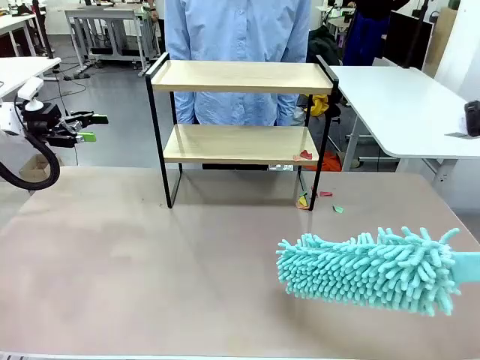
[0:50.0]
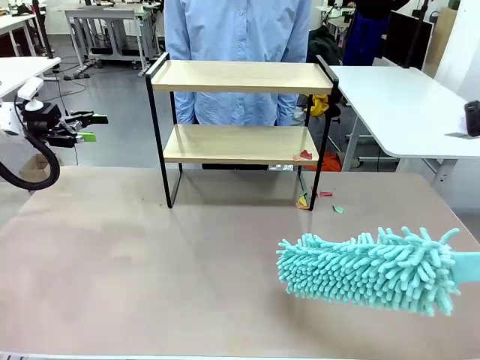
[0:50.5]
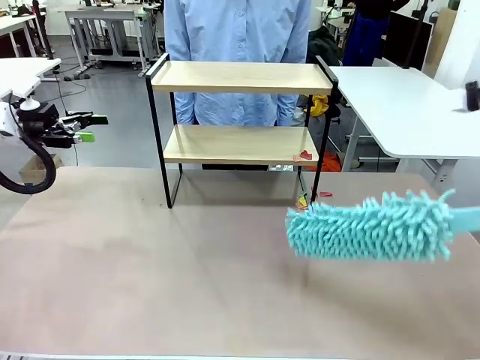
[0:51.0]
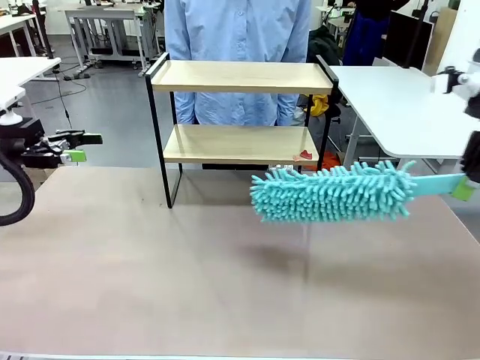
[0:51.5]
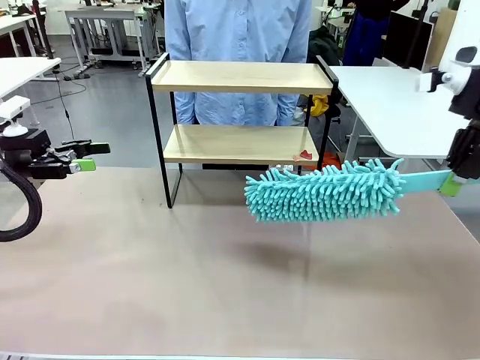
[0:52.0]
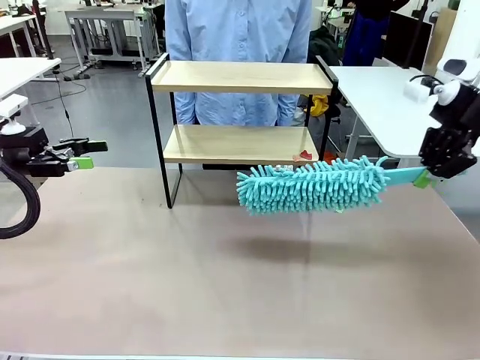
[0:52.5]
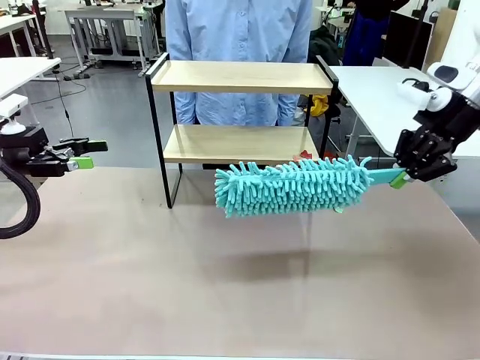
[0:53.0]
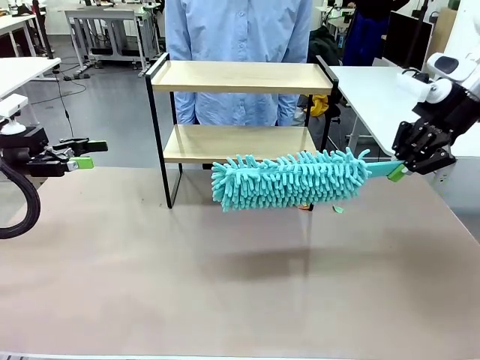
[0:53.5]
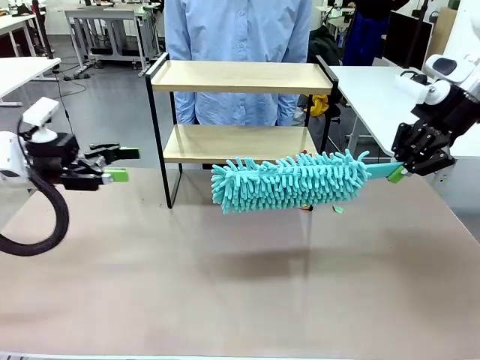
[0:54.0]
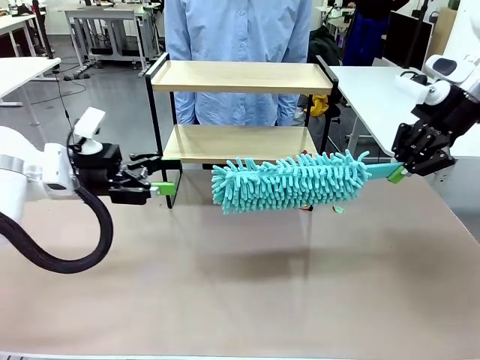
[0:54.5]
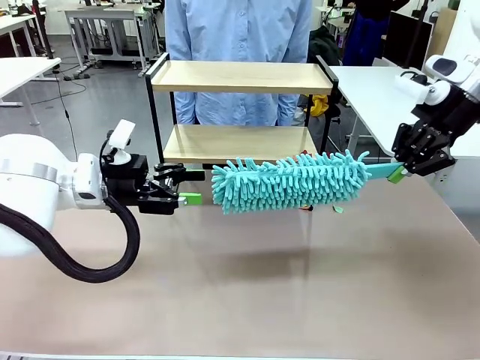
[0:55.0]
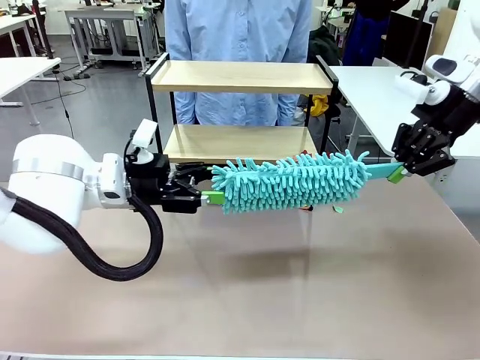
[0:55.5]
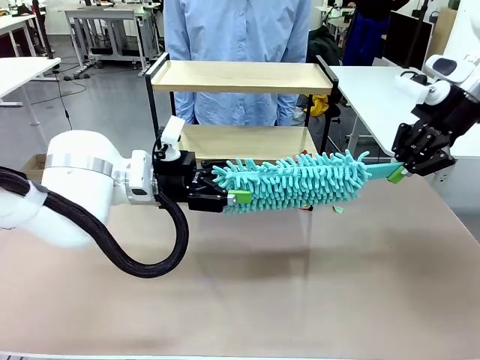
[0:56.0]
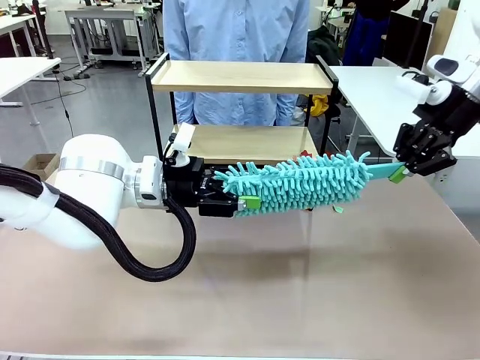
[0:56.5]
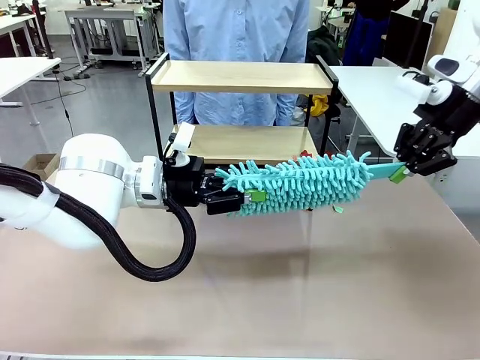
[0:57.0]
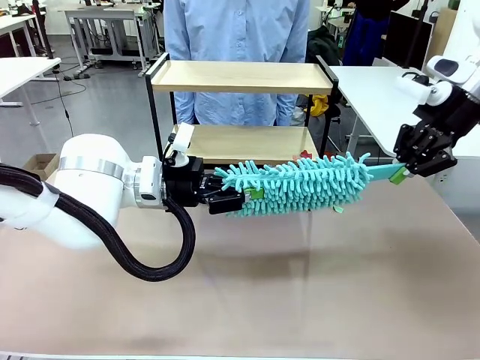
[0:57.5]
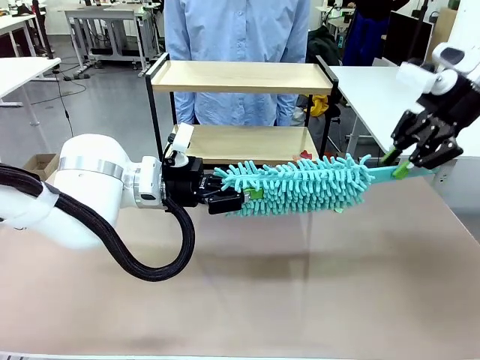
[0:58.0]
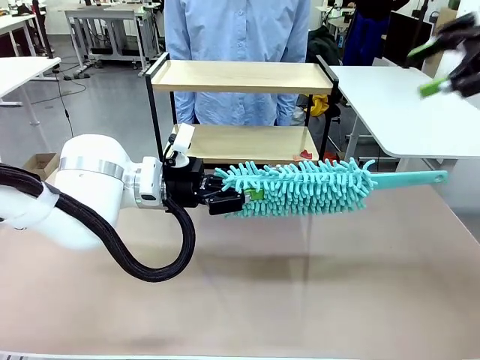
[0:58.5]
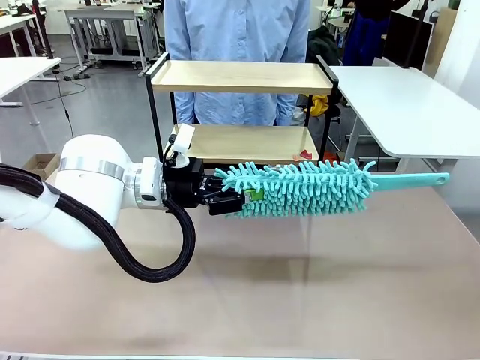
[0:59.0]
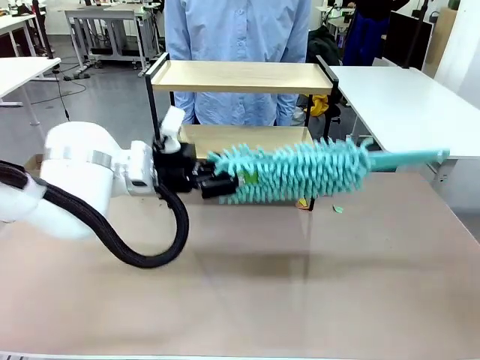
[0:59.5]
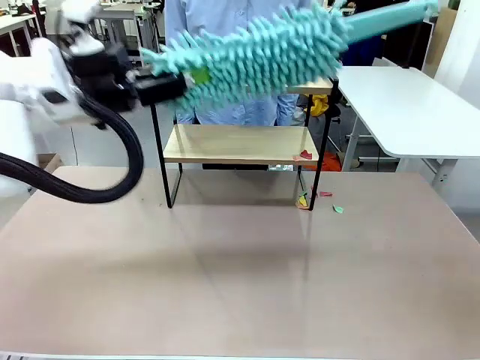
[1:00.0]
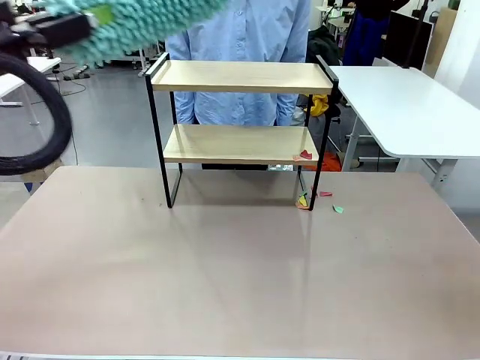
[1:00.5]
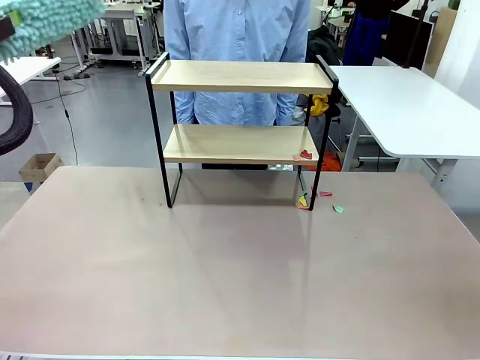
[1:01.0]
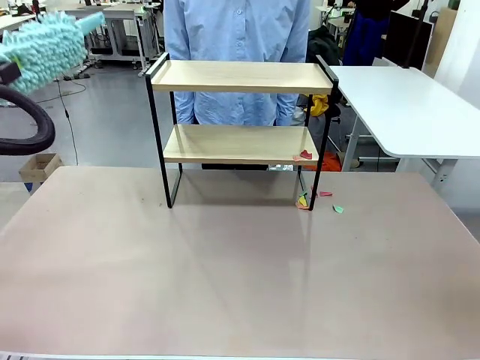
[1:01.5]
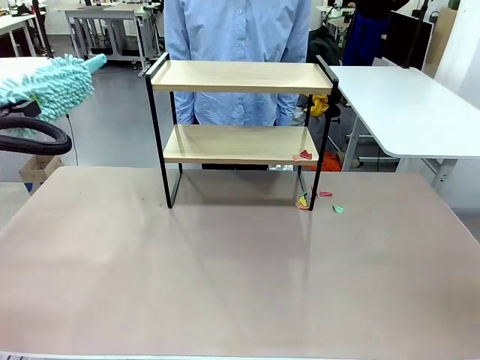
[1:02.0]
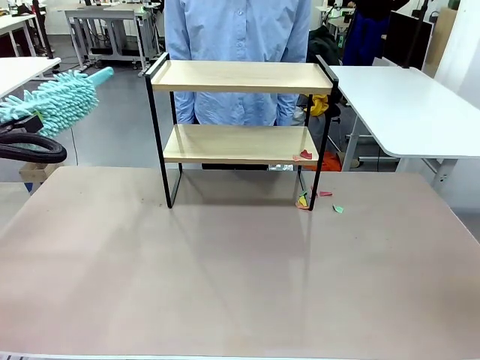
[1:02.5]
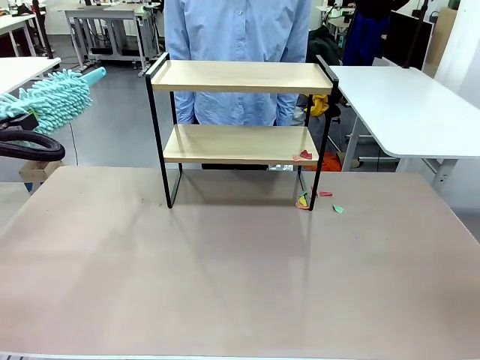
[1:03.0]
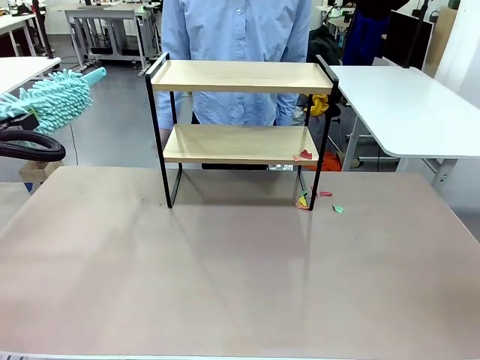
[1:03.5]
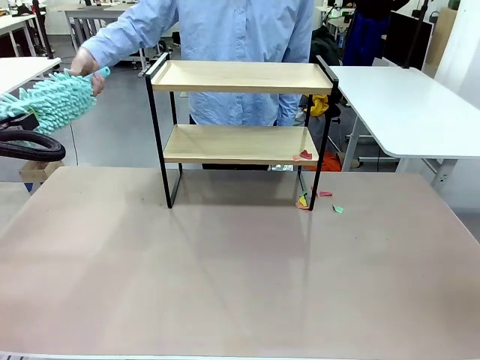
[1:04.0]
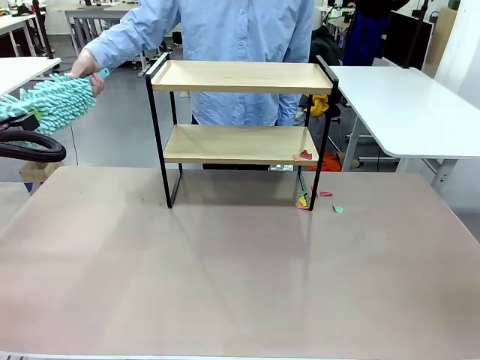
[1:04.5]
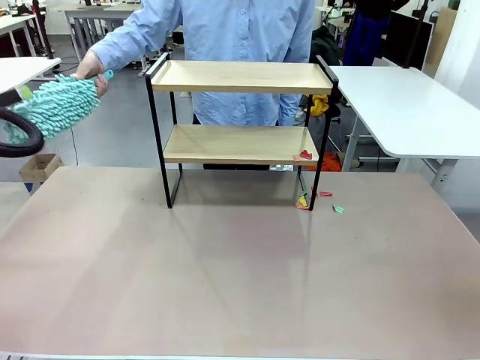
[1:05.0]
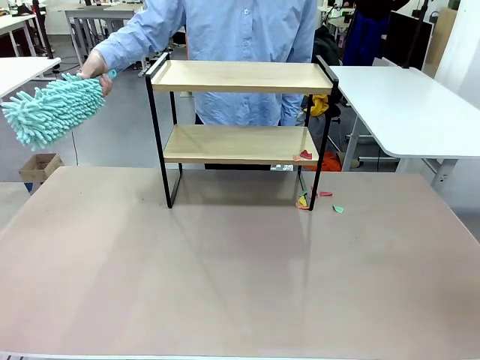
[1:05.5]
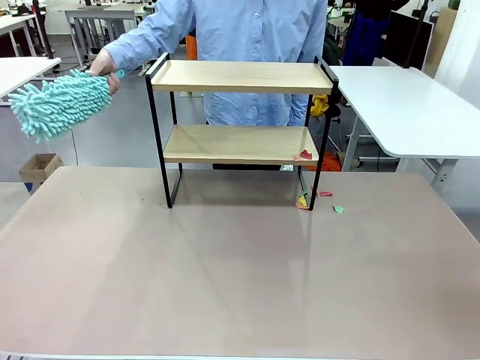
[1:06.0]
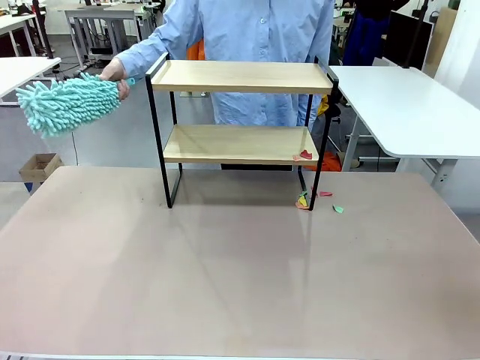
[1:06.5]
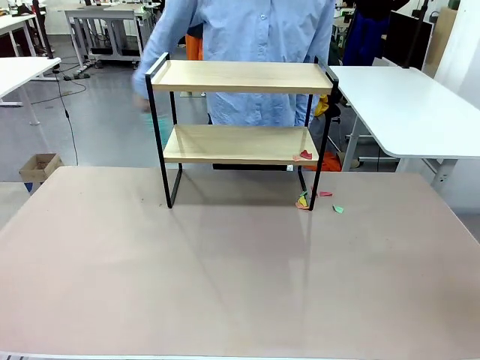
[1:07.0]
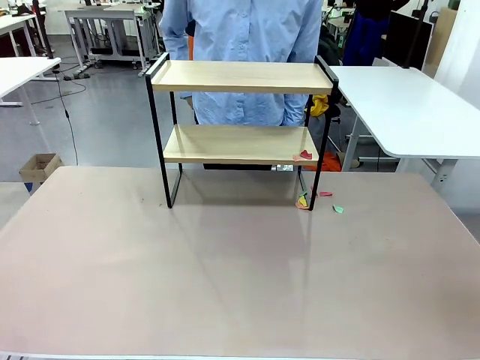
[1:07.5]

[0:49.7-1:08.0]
Task: Clean the shelf.
Robot: Hand the Duster back to the human.
Person: Receive the Duster from the robot.

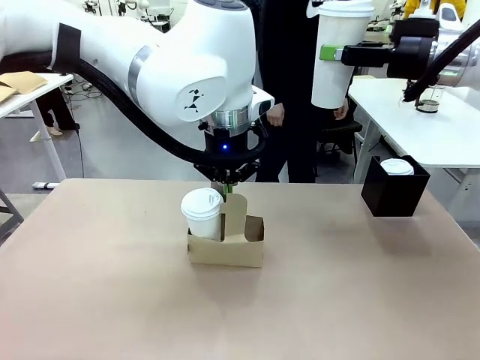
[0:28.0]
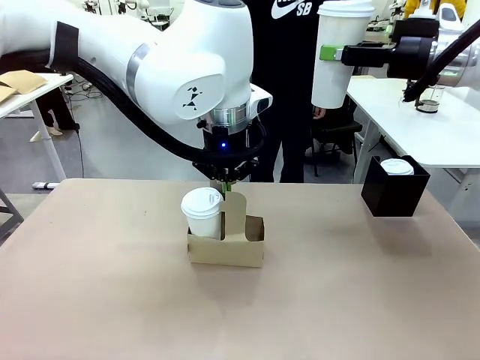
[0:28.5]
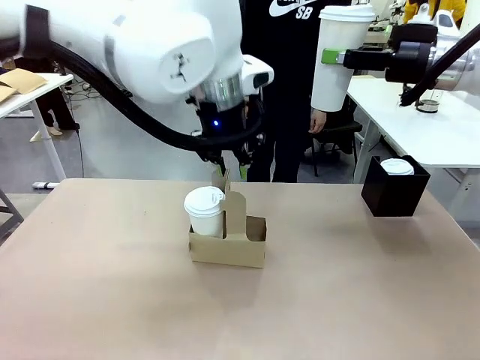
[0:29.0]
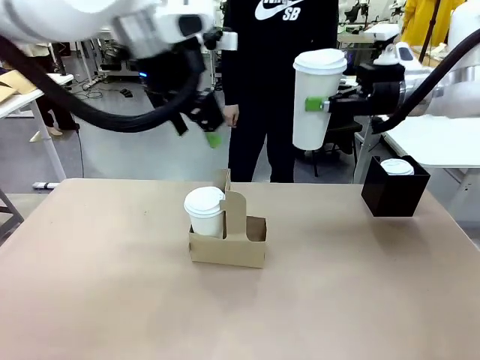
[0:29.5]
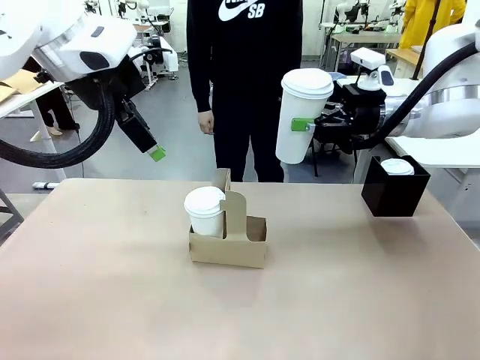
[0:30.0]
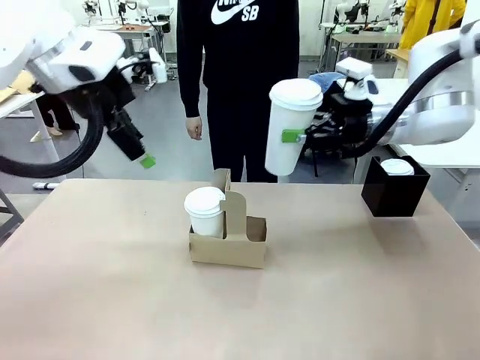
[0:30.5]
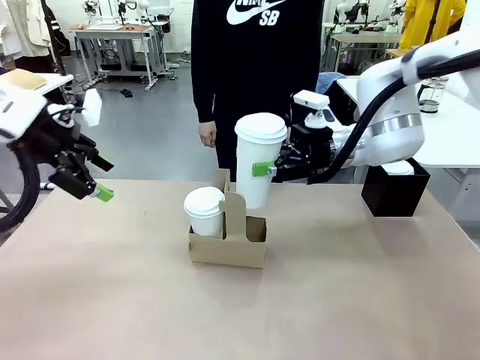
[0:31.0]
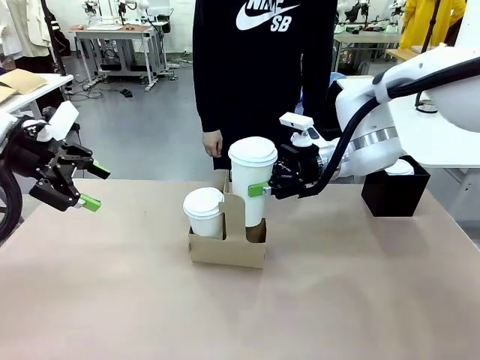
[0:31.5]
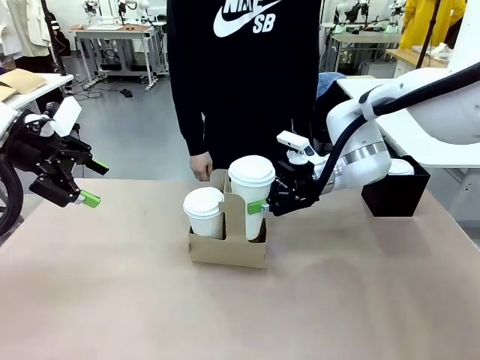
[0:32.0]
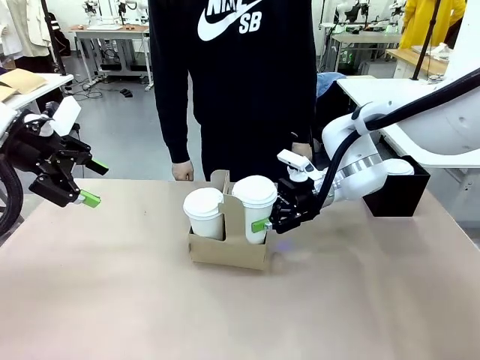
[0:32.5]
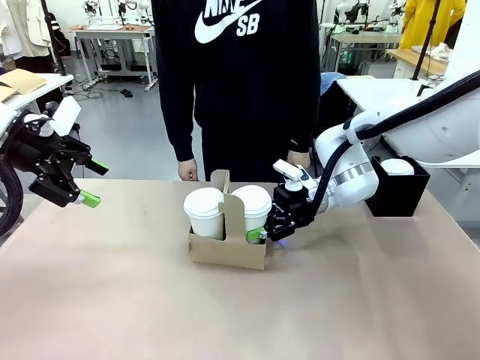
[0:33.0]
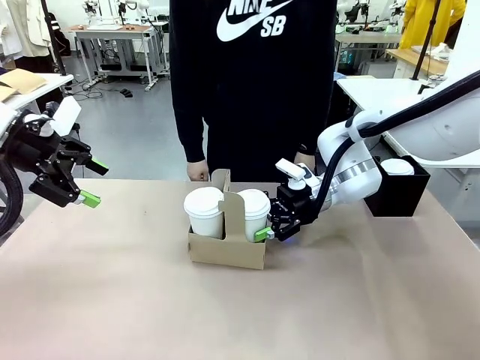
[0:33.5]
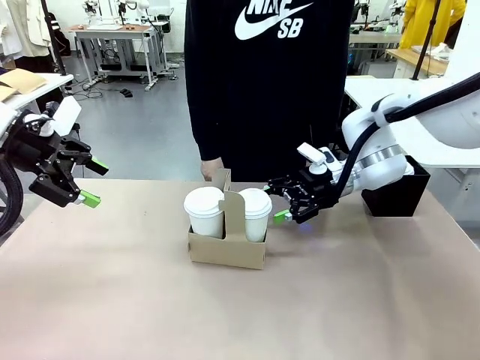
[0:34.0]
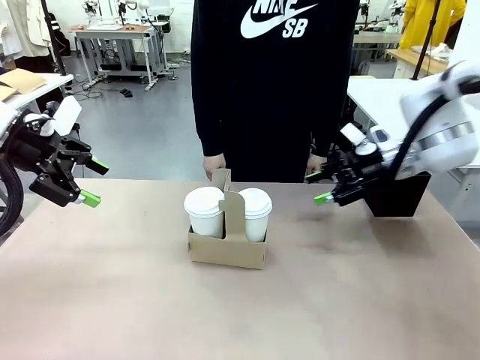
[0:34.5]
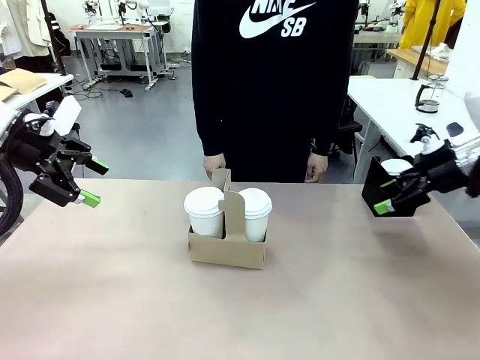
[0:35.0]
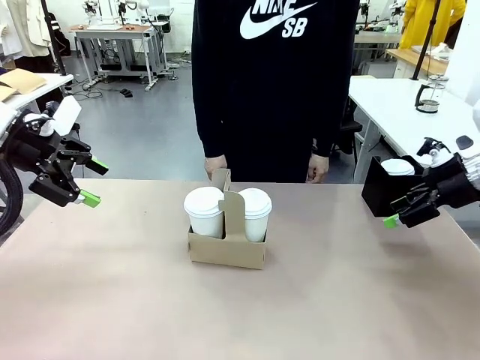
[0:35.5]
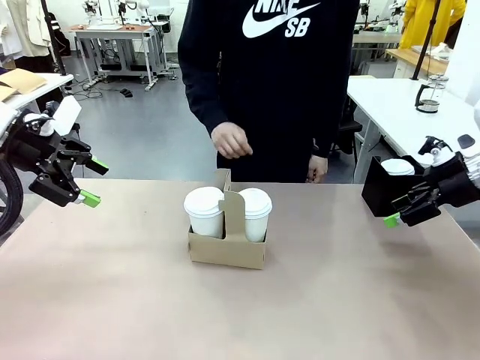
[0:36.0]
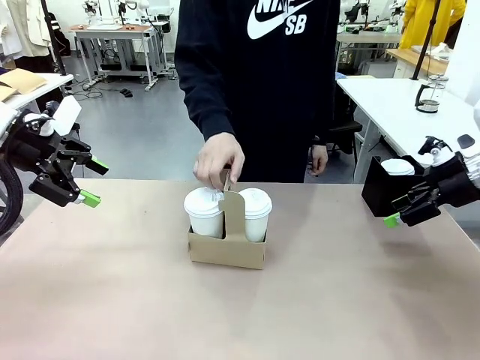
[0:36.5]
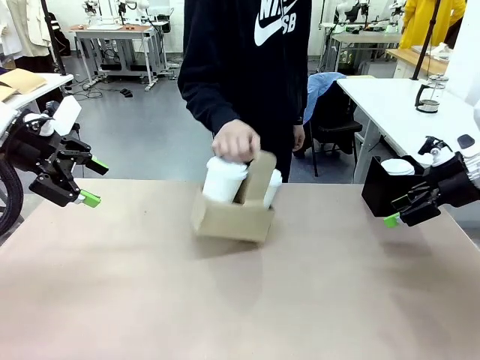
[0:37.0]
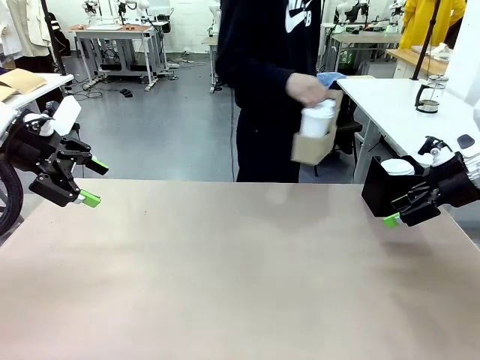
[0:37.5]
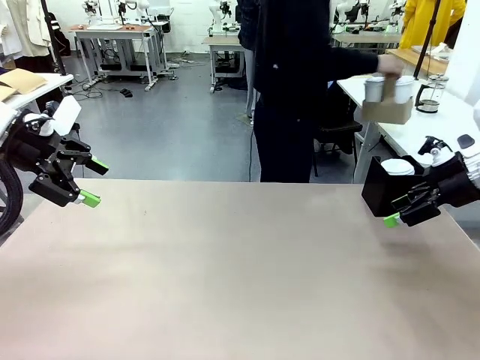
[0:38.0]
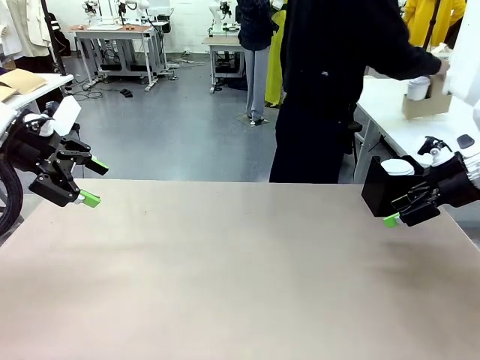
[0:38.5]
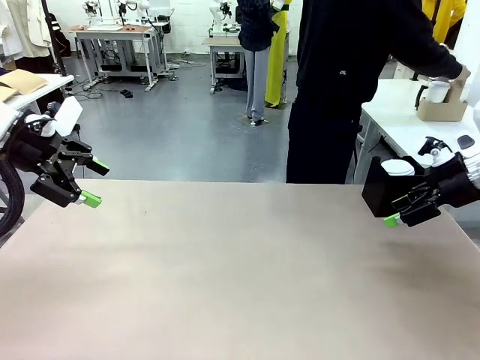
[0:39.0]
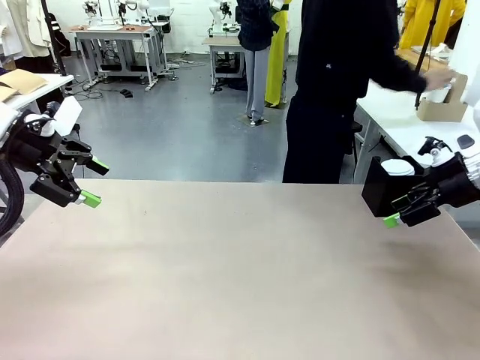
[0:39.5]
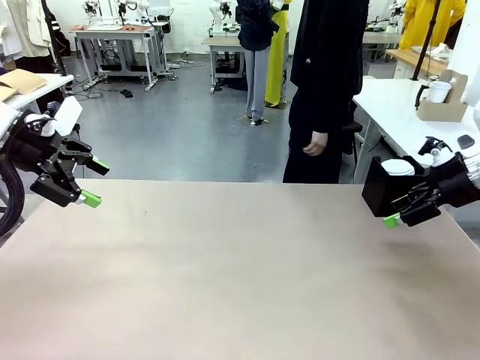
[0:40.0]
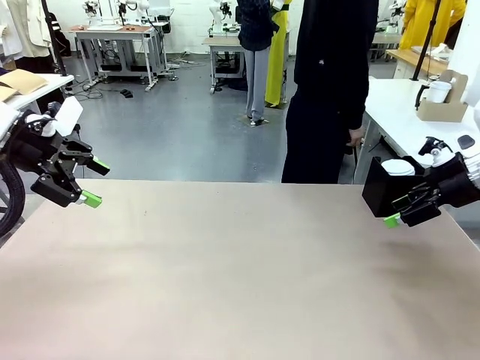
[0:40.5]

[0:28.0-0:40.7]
Task: Pour a drink into a cup and package it in a carrier.
Robot: Insert the held 600 ml Paper Cup into the Cup Carrier.
Person: Place the Cup Carrier to the middle of Human table.
